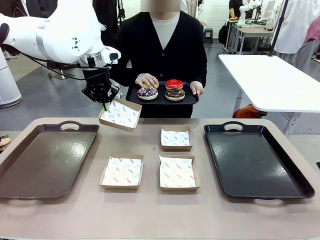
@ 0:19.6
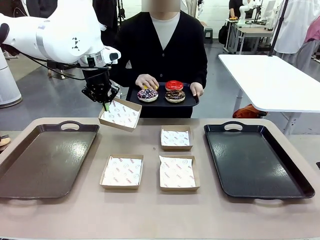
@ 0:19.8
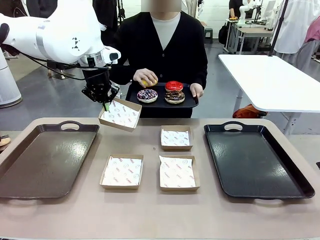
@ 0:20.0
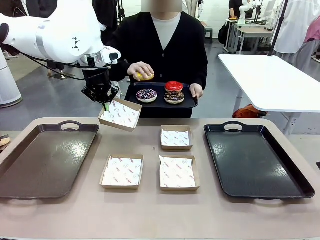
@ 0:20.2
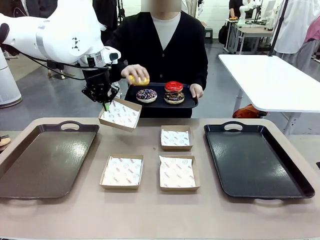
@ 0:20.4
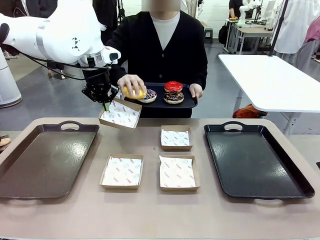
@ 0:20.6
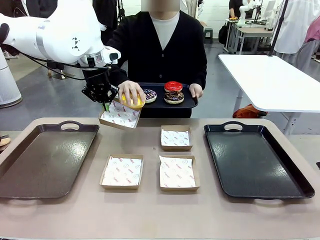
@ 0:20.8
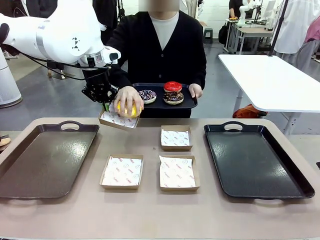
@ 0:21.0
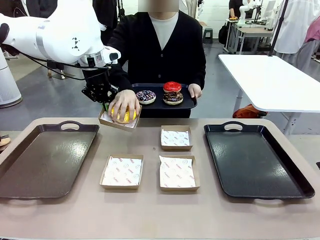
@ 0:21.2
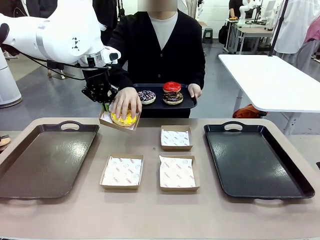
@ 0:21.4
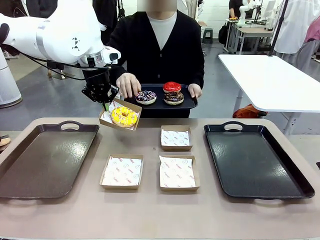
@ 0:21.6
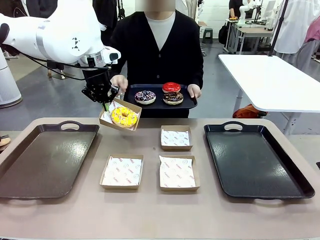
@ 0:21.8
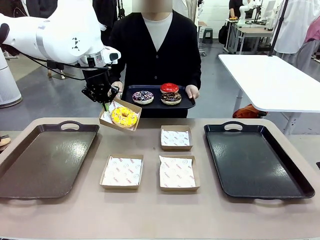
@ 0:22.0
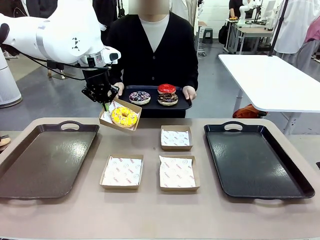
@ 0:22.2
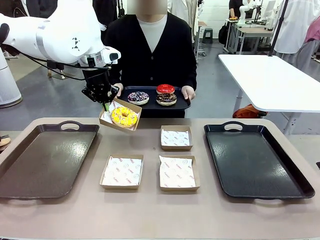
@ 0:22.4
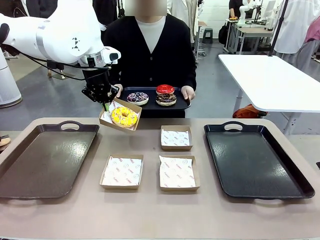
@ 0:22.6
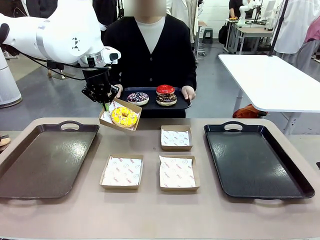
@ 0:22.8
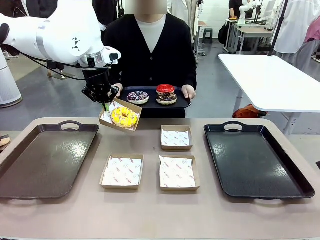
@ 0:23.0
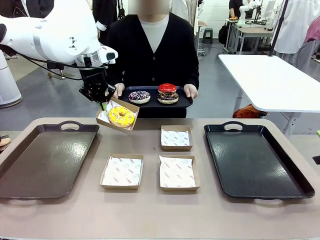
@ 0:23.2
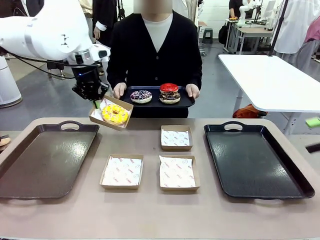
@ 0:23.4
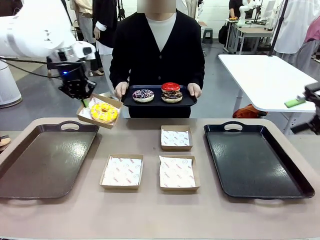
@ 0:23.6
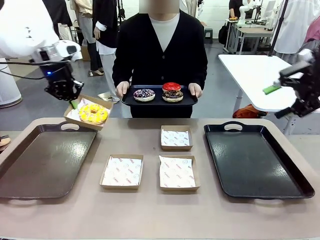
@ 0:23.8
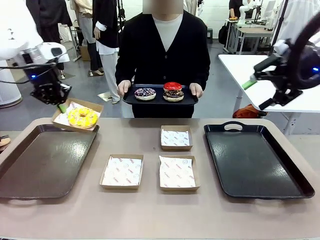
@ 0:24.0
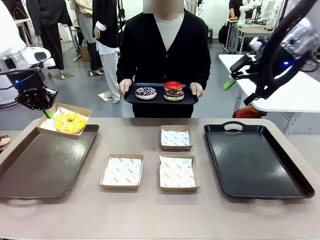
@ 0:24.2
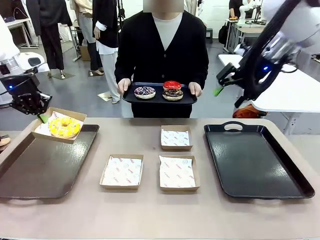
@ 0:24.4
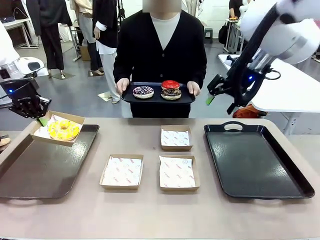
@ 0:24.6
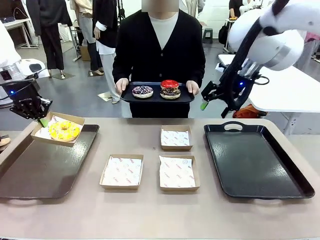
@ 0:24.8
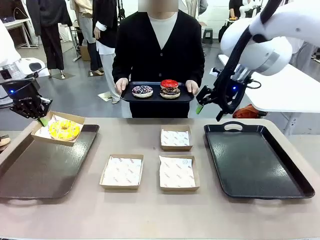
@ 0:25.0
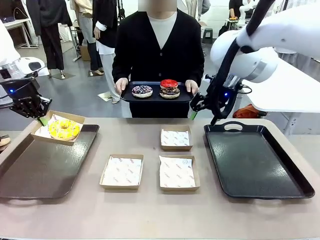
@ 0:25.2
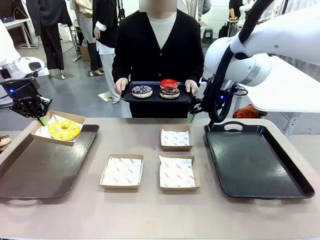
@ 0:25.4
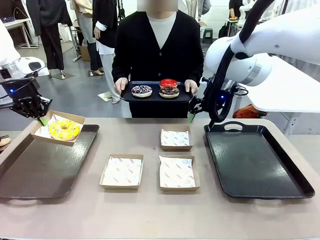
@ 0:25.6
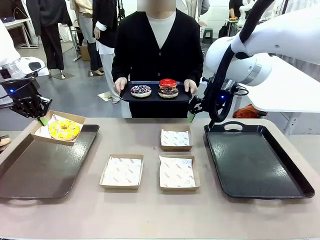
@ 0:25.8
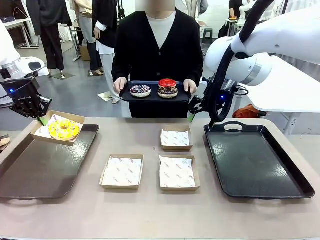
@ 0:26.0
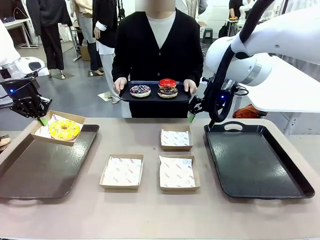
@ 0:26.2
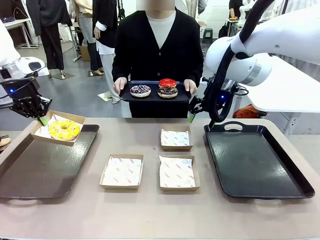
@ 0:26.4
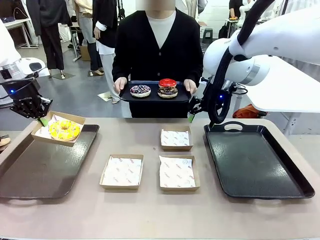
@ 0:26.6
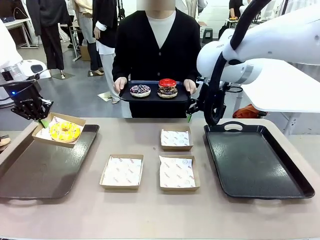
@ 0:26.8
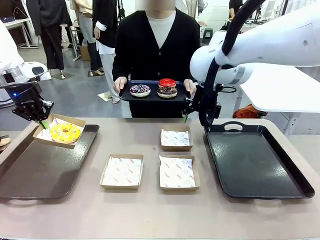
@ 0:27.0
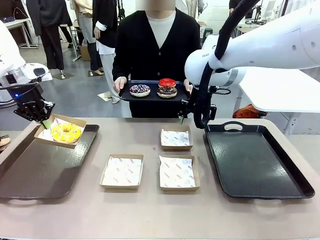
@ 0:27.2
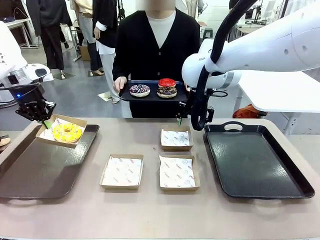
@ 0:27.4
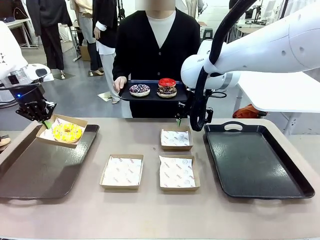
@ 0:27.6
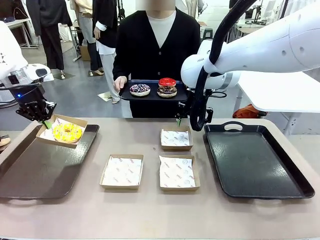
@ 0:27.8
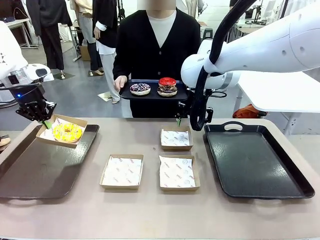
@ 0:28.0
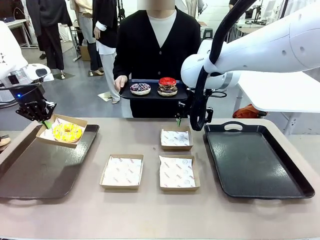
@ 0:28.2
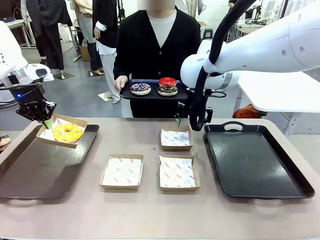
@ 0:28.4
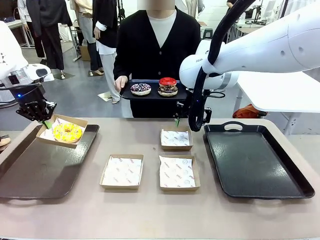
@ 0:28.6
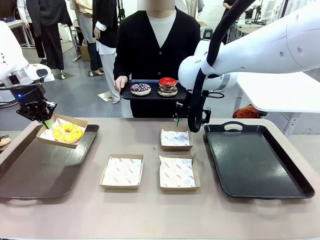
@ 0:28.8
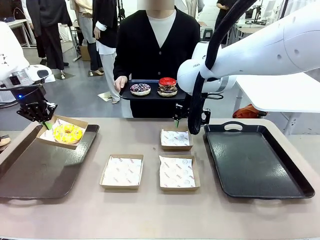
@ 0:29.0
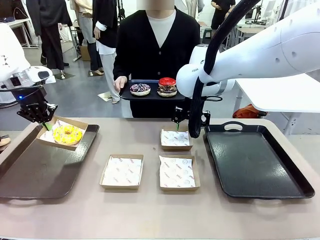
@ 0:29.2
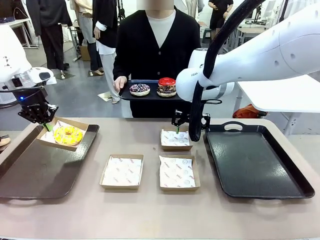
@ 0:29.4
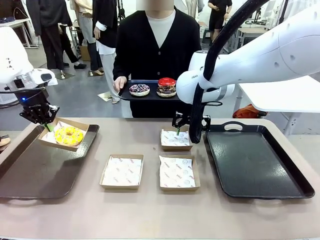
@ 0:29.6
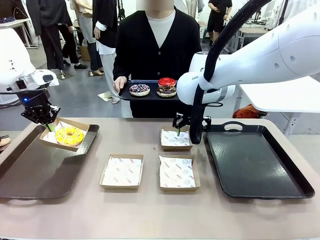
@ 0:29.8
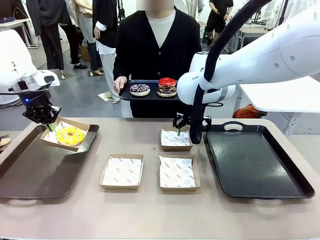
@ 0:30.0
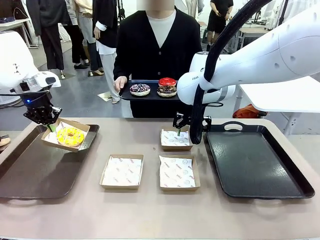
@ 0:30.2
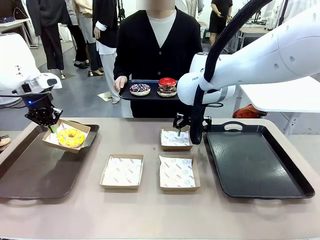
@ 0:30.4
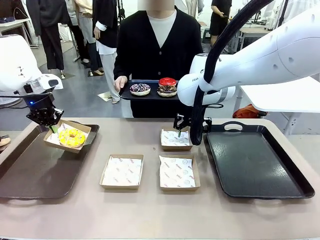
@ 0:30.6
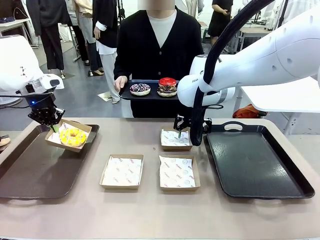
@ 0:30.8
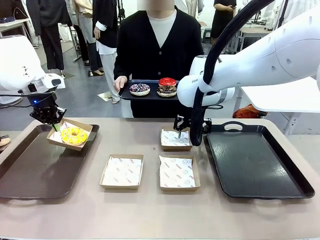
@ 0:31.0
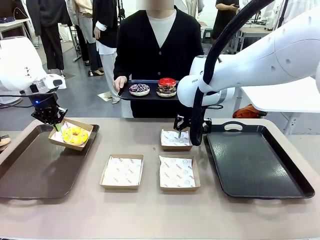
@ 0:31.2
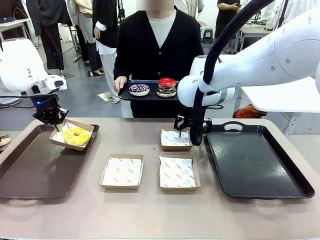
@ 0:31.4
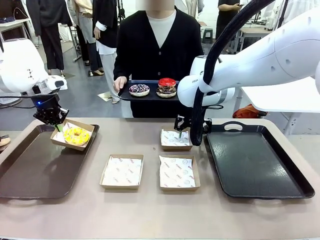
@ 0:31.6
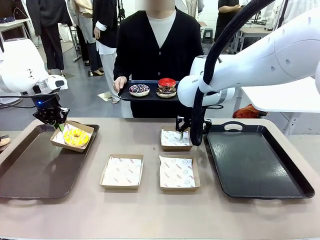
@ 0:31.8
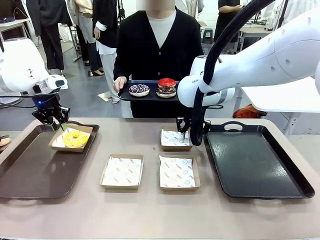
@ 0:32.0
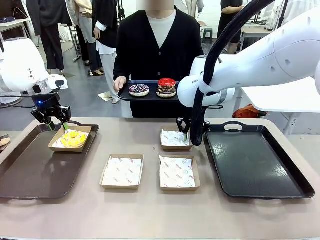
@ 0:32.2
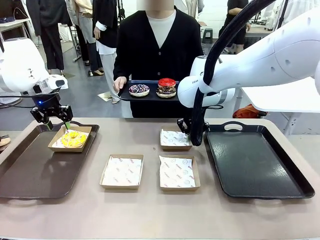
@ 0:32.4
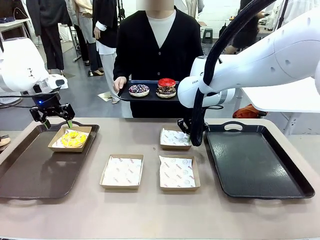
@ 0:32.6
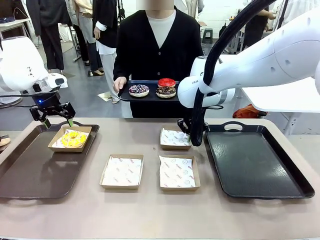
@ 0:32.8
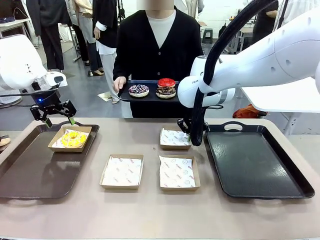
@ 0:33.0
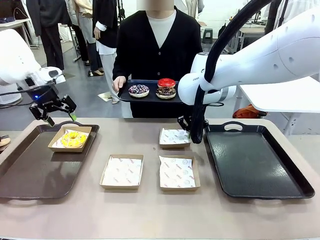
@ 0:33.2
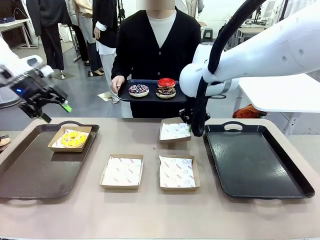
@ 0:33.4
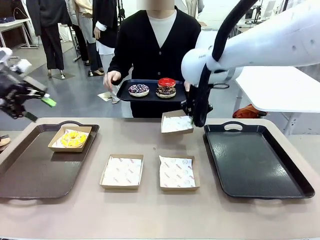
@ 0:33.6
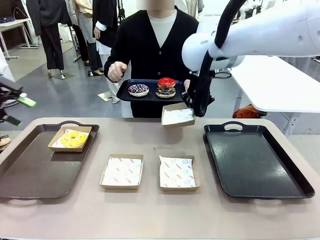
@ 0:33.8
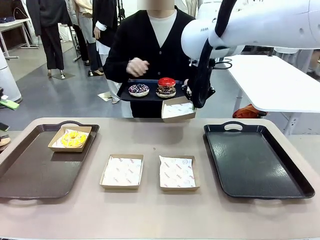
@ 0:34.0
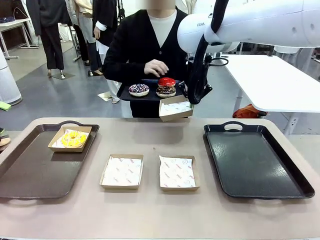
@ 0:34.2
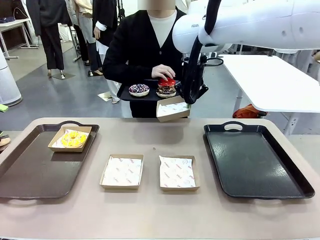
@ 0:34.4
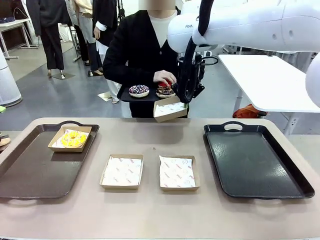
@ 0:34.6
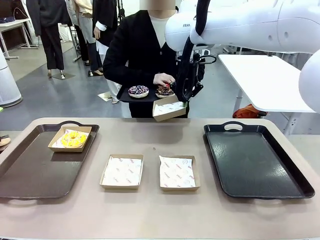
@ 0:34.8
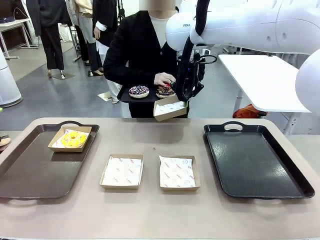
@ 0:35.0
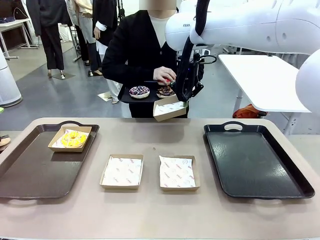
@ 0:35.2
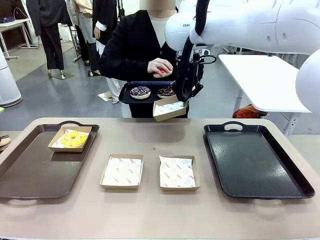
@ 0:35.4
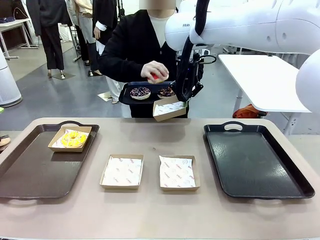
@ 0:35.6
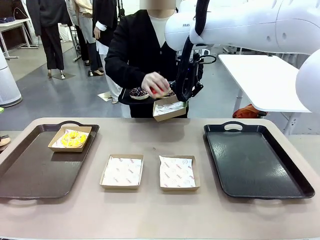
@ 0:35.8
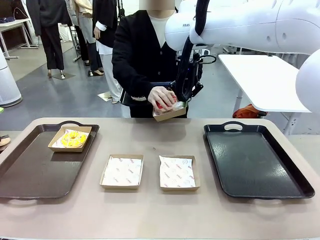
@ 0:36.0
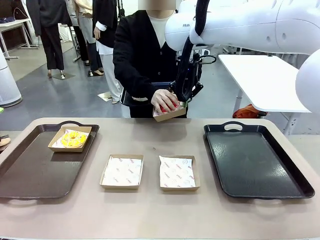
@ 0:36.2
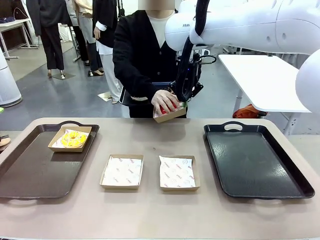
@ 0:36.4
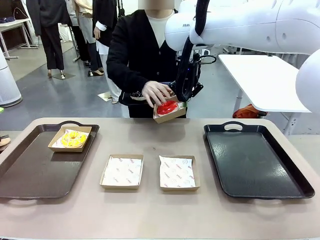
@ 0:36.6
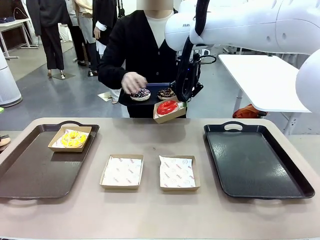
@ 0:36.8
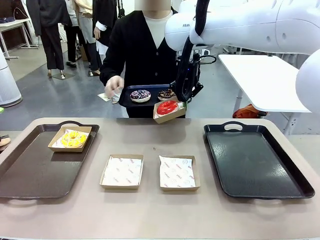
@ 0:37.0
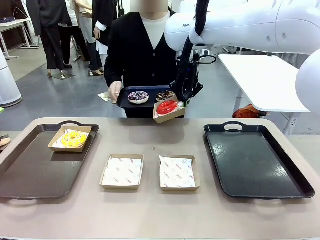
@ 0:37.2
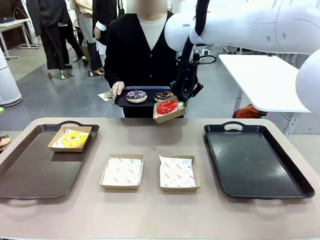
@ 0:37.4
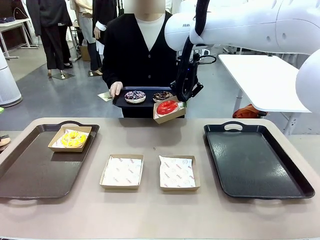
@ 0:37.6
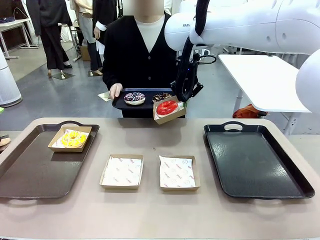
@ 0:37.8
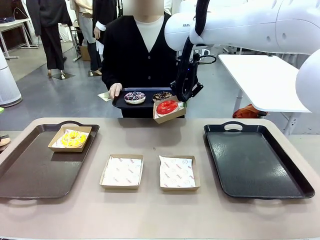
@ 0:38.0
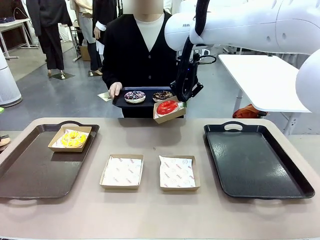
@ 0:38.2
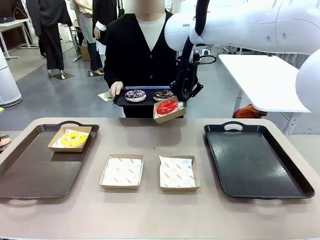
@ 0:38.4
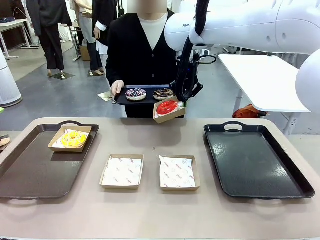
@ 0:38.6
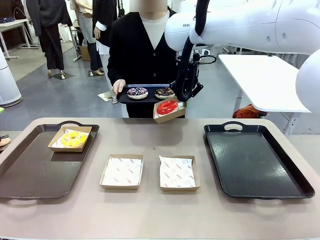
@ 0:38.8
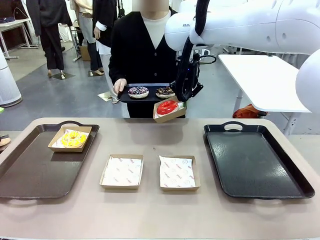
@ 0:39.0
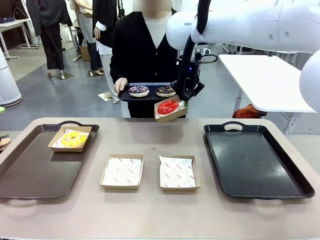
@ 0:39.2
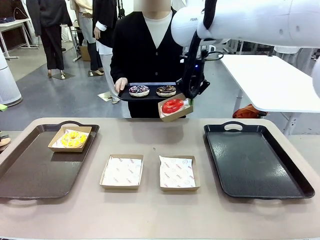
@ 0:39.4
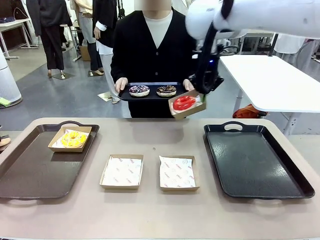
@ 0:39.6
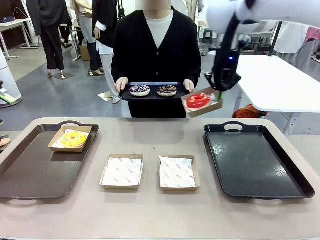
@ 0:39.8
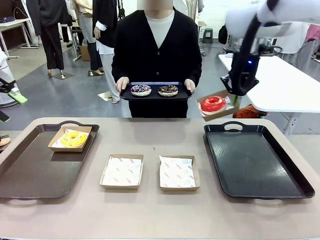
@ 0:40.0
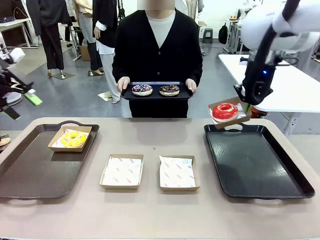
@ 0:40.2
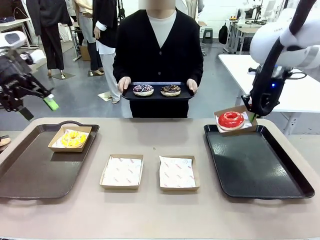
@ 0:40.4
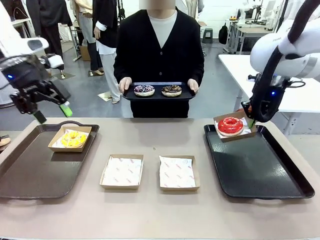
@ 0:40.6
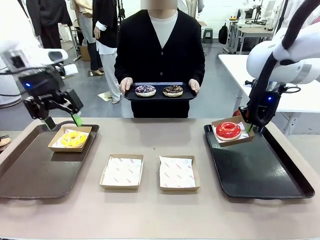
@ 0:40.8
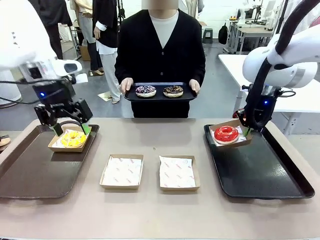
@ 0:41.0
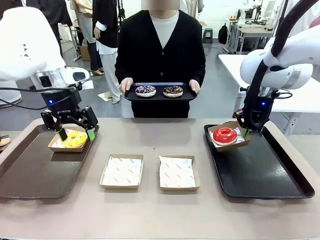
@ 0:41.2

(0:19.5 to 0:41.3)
Task: Individually package the donuts and arrange them on the tray.
Robot: Place the picked Paper togo box on the Handle tray while simultaneously picking up another Paper togo box from the table with the other hand.
